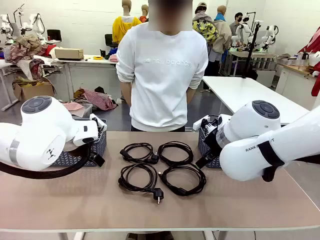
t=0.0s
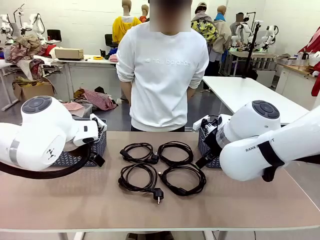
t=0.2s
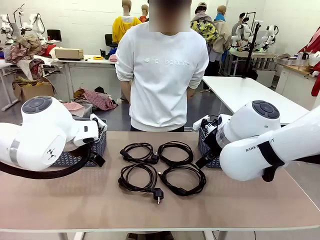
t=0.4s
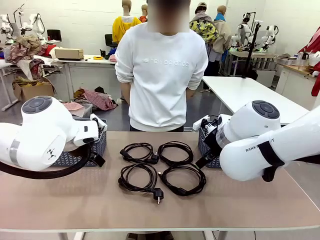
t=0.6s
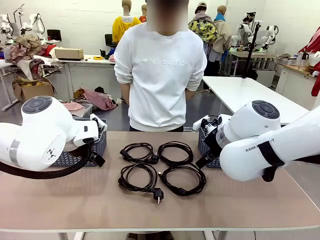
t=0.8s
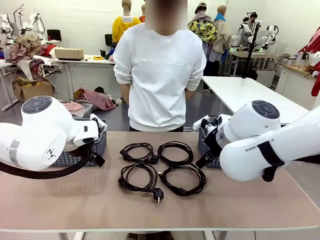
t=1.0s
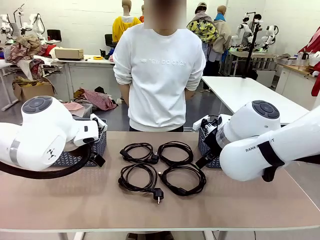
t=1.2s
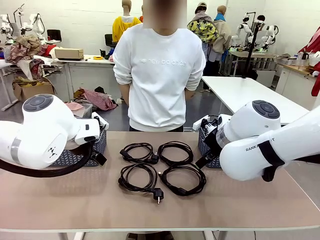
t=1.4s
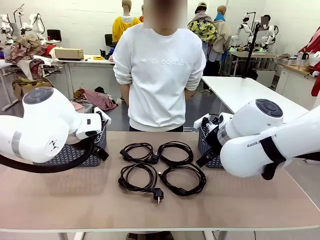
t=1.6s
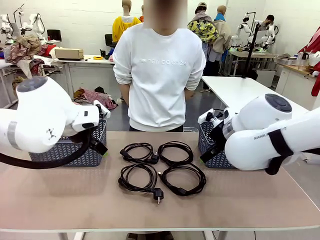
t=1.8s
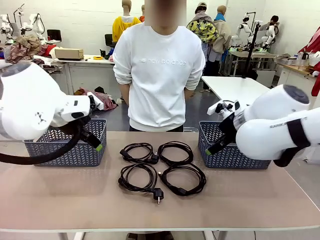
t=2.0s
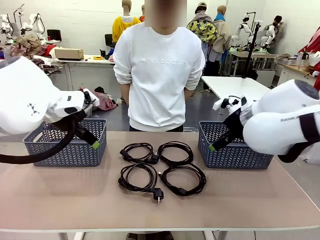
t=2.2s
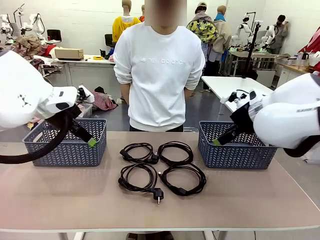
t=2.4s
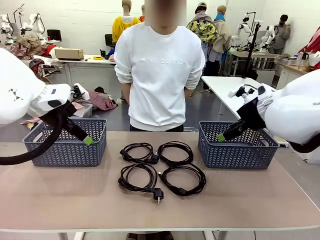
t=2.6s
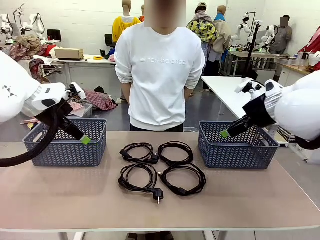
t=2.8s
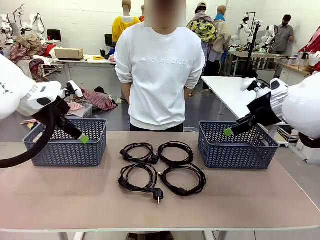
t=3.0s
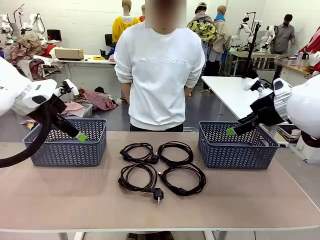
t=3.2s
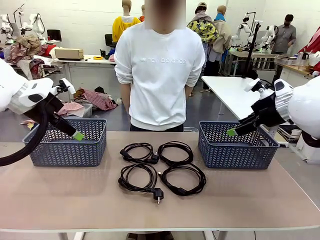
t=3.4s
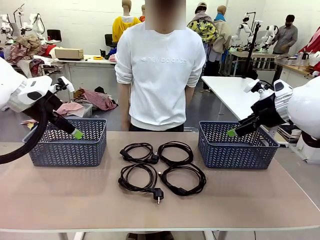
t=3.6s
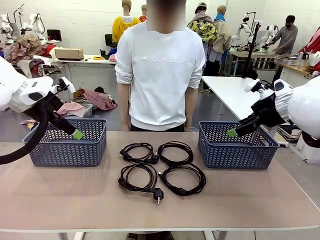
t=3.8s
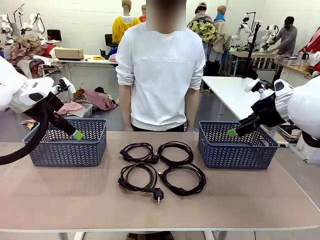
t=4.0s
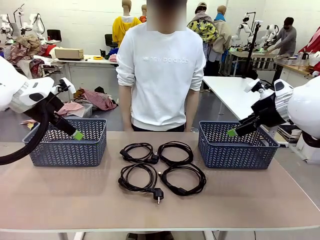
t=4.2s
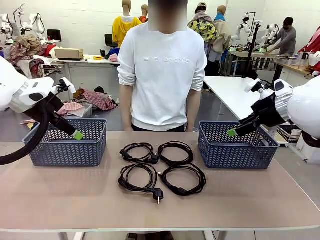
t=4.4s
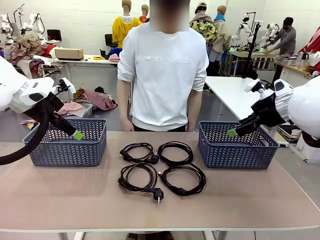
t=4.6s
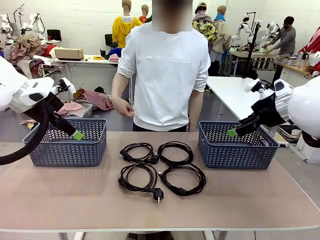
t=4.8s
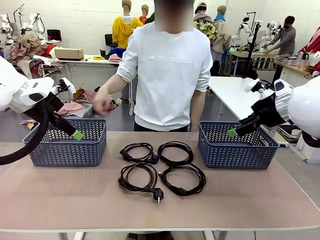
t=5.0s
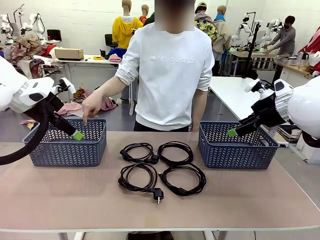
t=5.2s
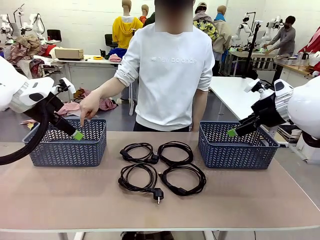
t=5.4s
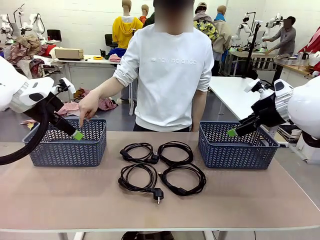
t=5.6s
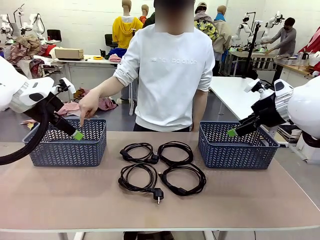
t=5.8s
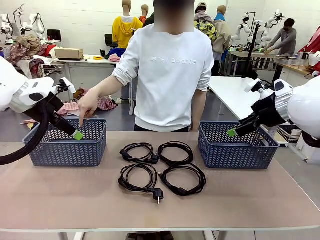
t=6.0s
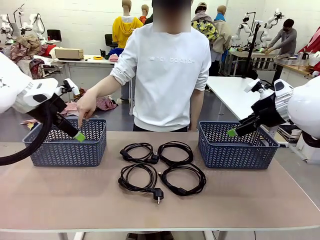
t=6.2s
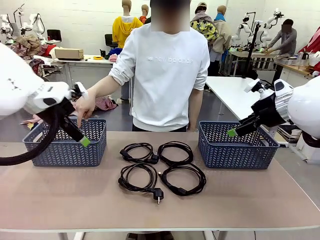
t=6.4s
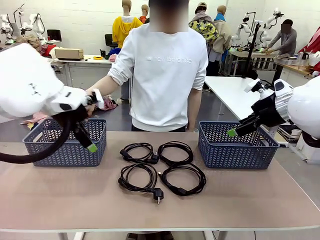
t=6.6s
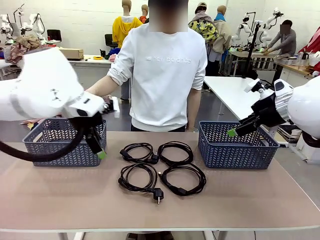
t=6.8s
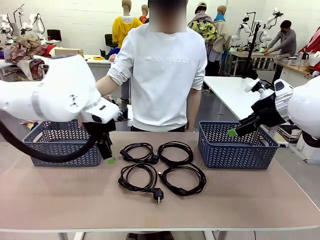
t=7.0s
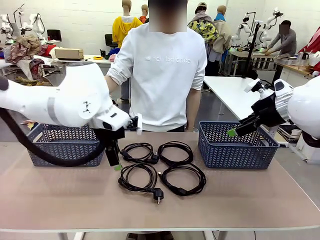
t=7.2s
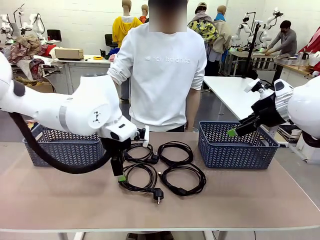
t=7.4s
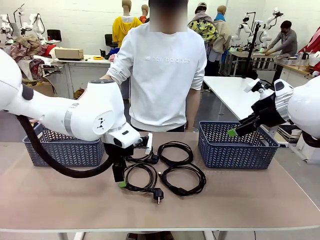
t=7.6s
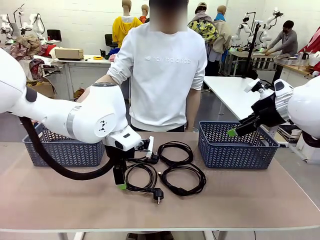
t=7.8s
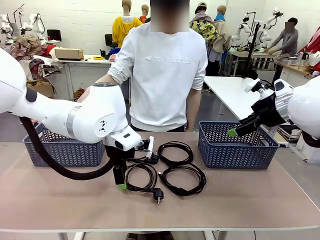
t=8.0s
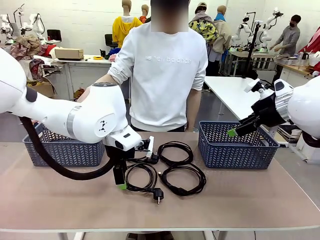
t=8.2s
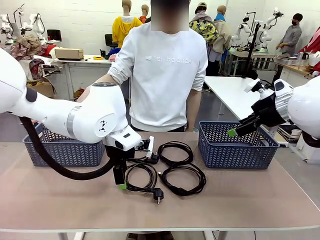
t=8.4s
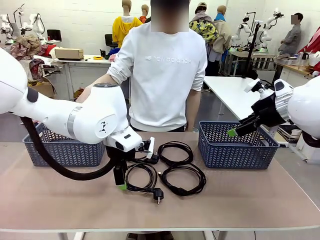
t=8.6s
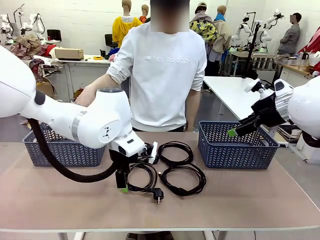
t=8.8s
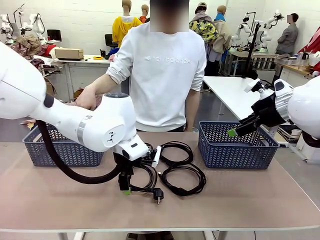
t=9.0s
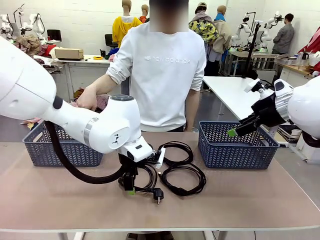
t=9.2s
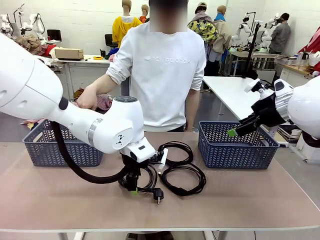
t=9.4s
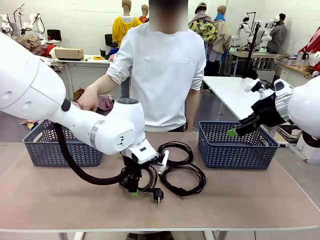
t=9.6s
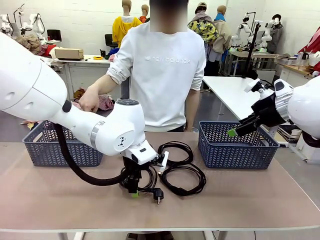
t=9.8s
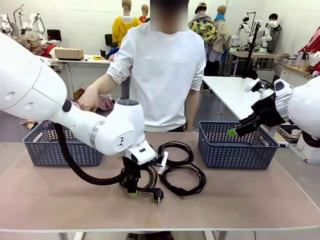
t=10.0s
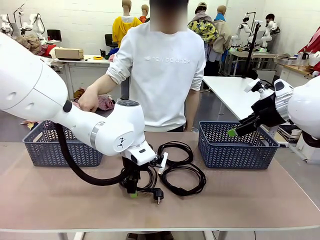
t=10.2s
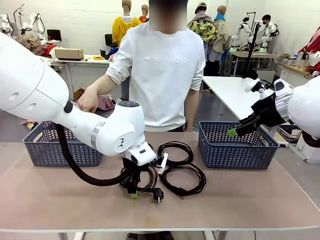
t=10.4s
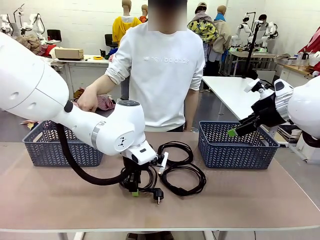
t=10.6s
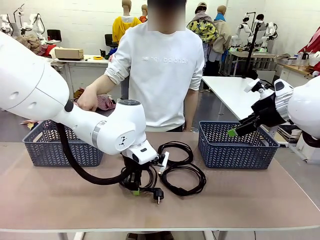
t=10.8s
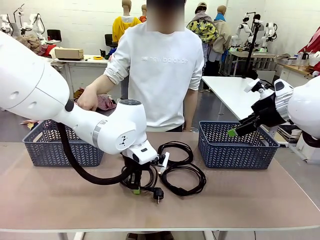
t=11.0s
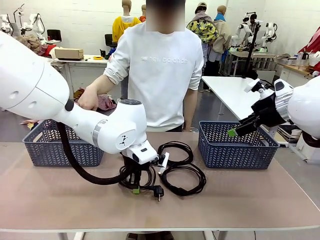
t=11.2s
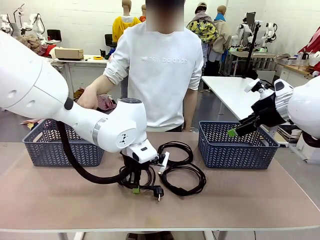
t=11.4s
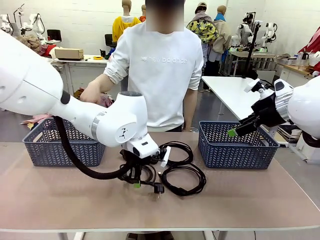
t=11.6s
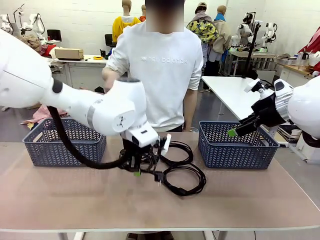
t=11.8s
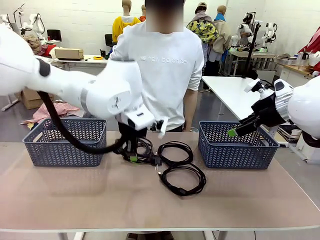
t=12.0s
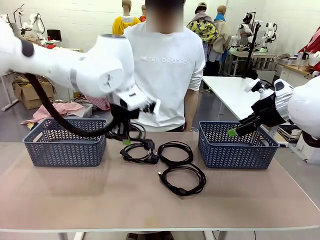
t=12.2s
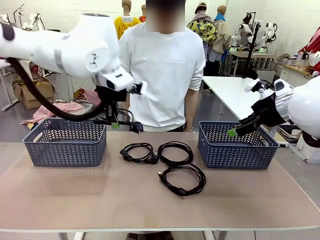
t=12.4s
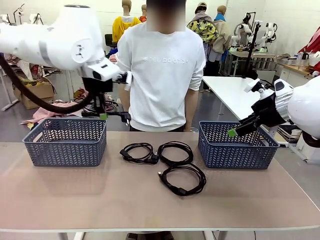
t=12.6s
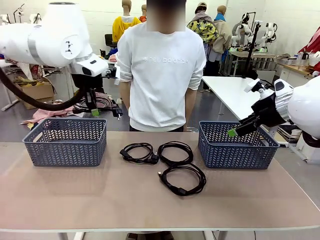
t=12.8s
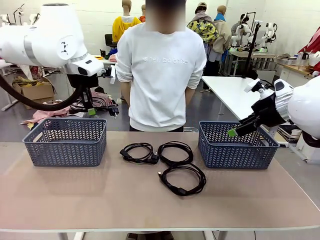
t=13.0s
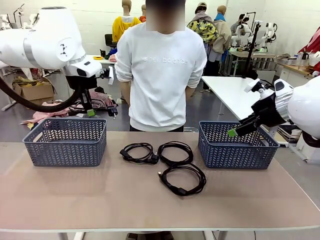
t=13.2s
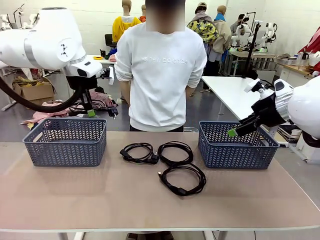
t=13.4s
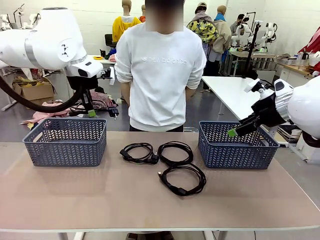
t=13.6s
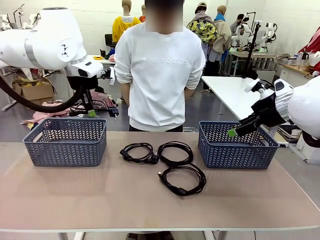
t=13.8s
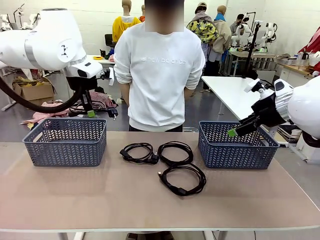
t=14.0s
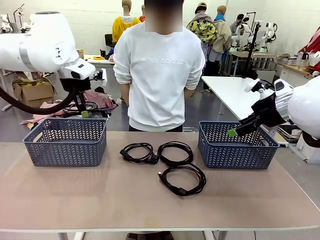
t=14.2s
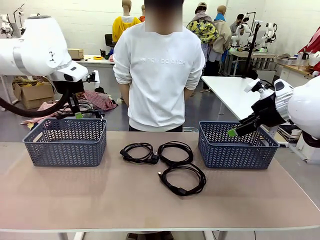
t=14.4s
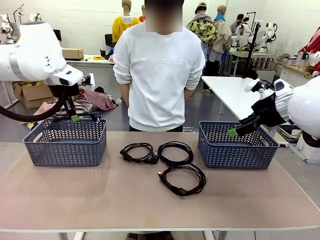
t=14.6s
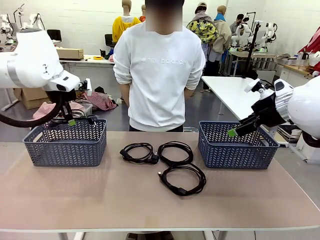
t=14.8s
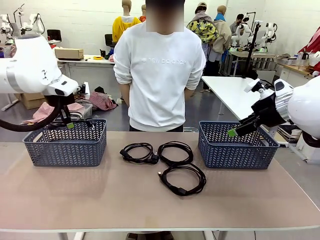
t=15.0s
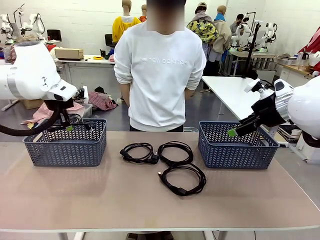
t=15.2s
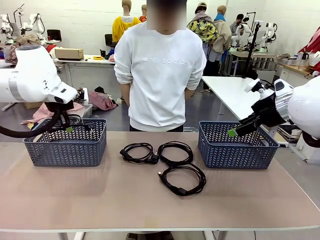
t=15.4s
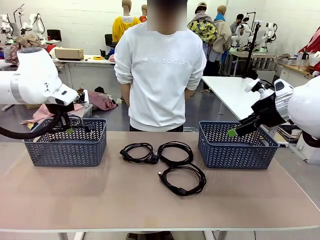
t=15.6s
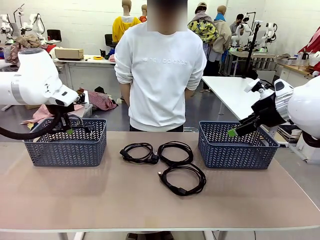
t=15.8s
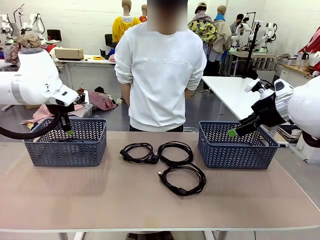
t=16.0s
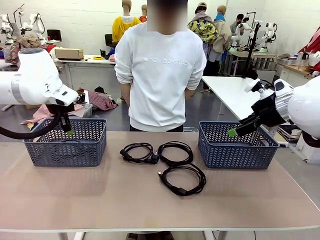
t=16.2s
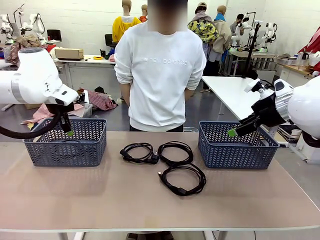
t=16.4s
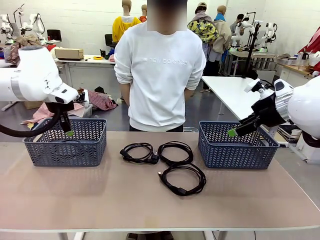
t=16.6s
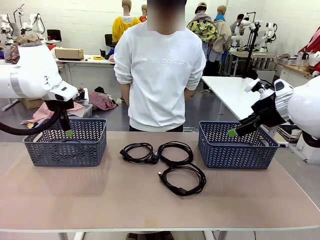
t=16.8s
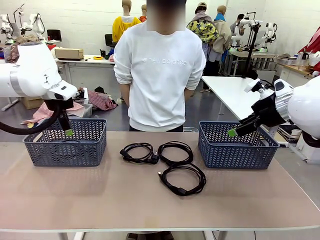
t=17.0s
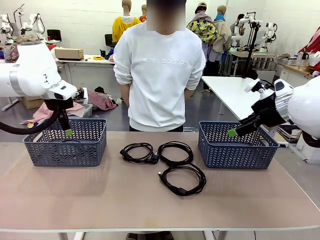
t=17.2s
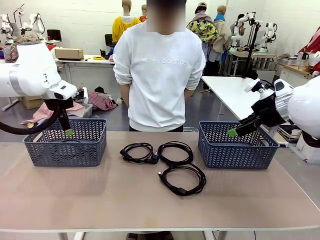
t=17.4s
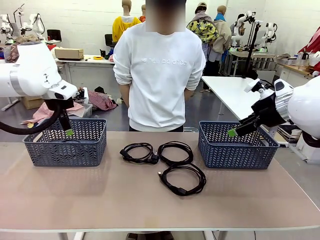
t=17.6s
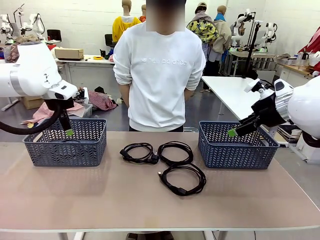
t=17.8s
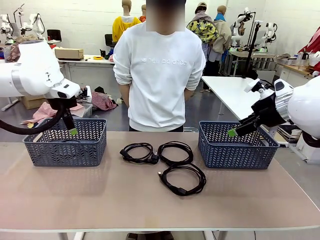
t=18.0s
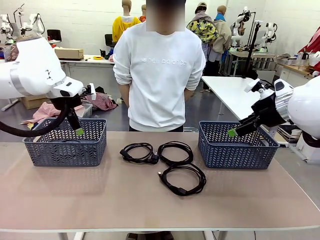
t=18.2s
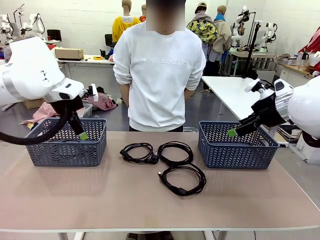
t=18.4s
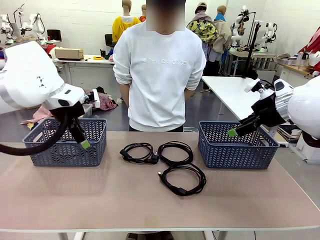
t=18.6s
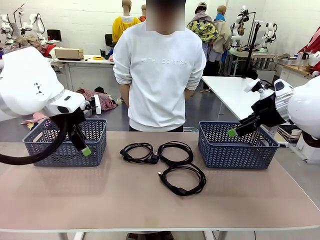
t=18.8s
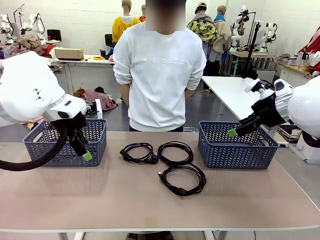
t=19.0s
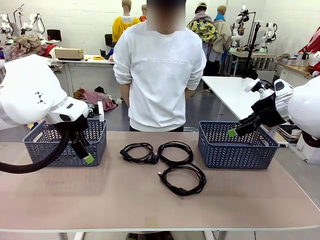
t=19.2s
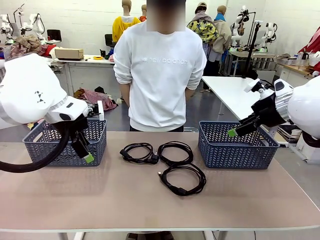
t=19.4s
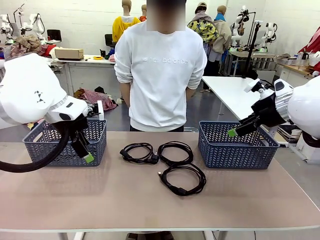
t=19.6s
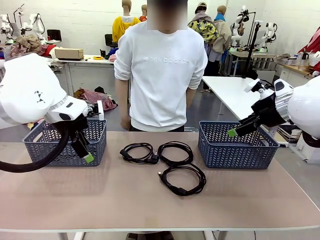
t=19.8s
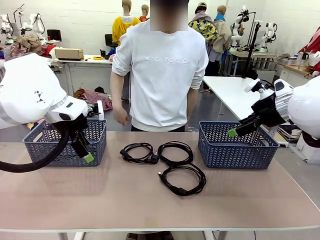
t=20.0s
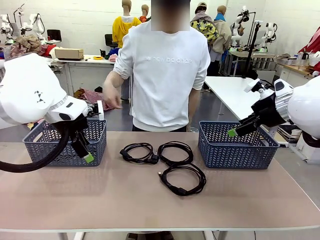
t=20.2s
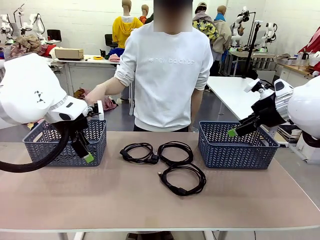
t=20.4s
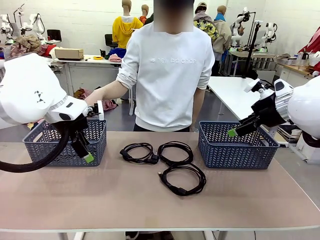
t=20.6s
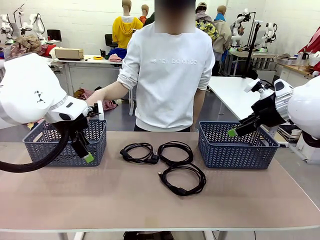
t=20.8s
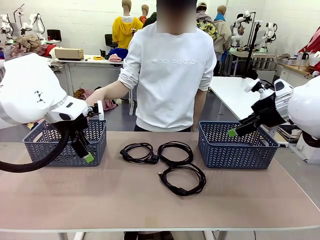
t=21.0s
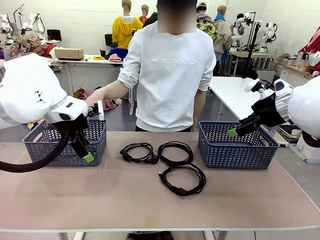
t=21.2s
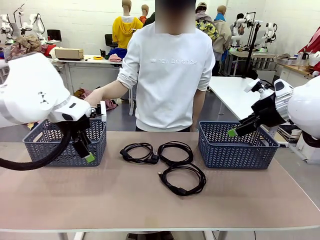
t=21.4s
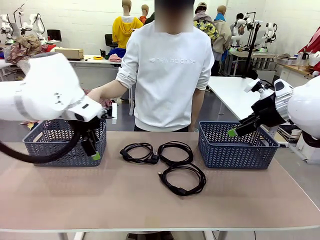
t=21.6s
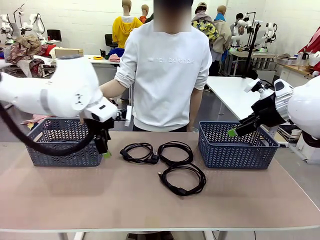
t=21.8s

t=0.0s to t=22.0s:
Task: Organize the cables according to human instructions.
Robot: Pick up a bundle of cables and place it in the basket indicated by the human.
